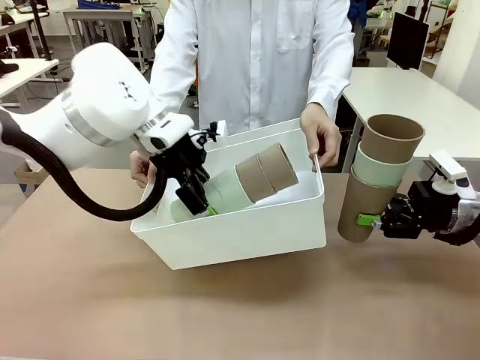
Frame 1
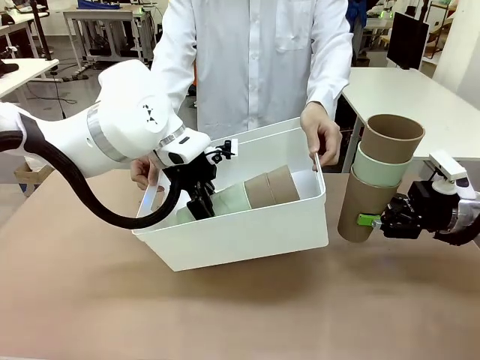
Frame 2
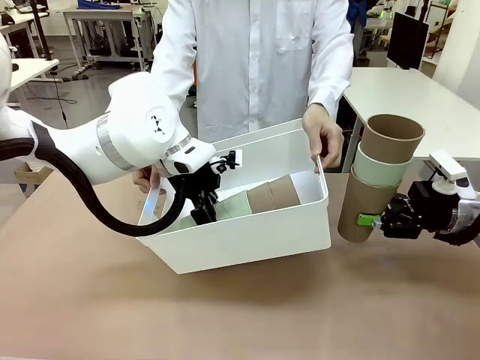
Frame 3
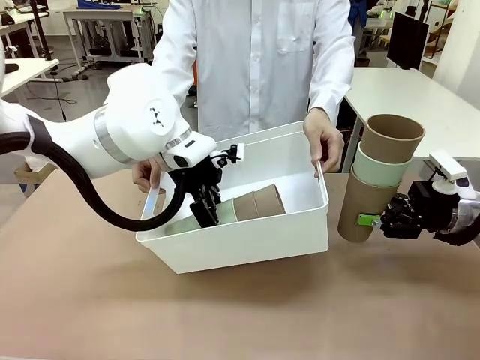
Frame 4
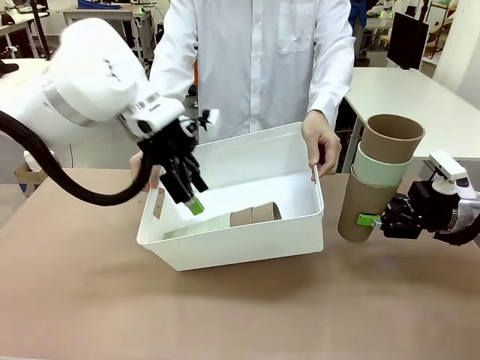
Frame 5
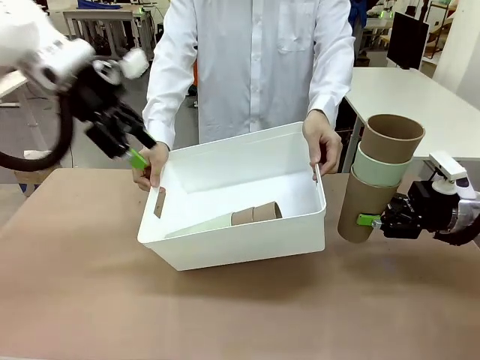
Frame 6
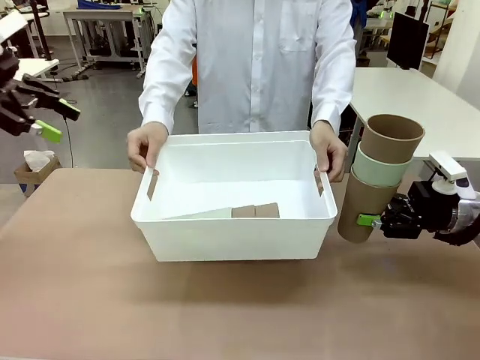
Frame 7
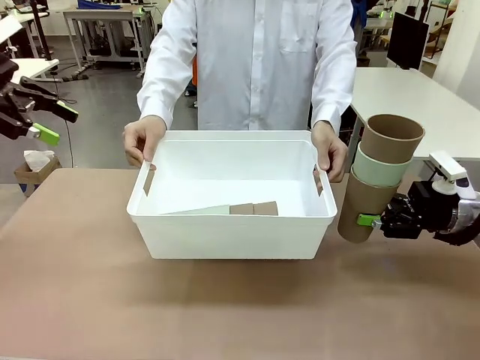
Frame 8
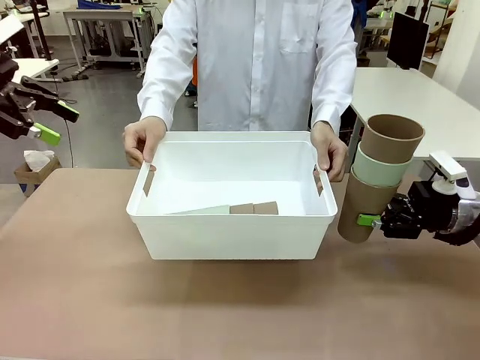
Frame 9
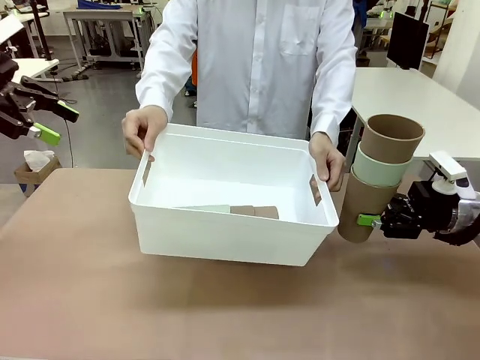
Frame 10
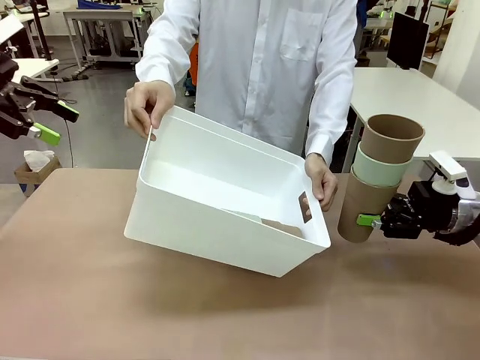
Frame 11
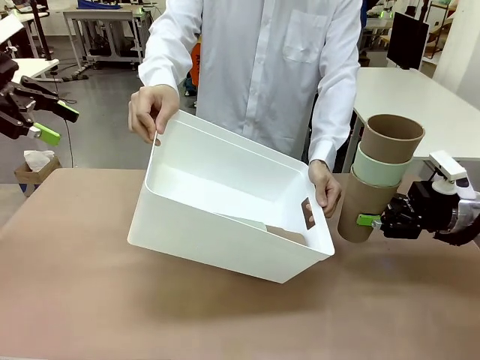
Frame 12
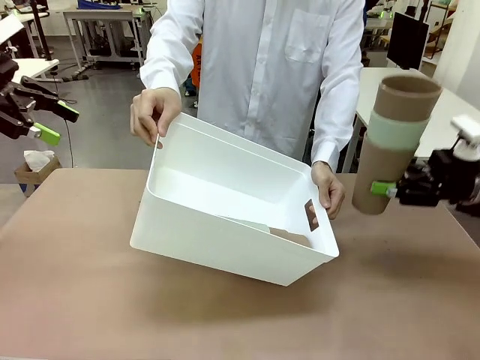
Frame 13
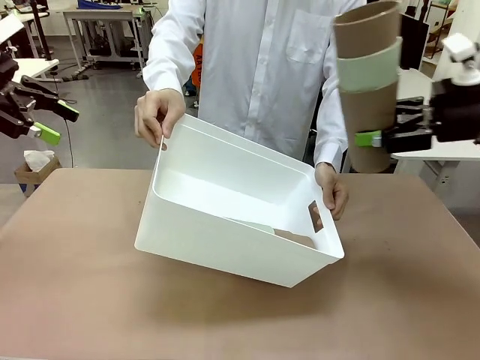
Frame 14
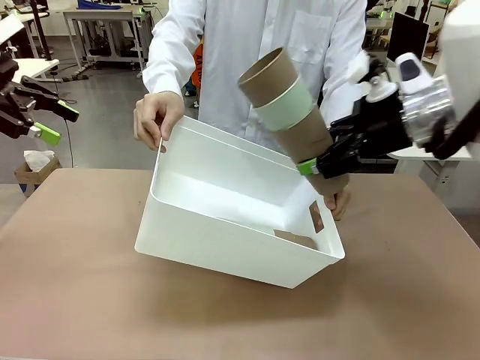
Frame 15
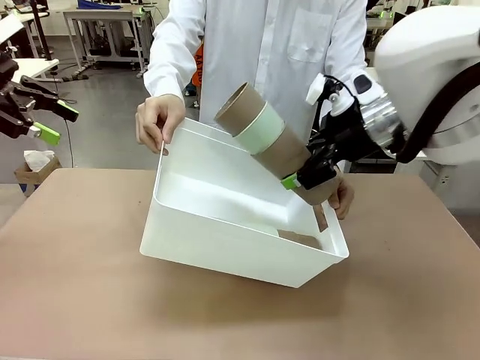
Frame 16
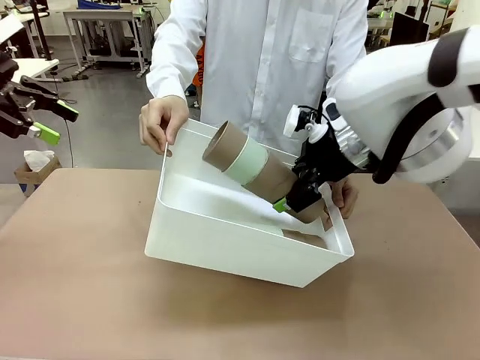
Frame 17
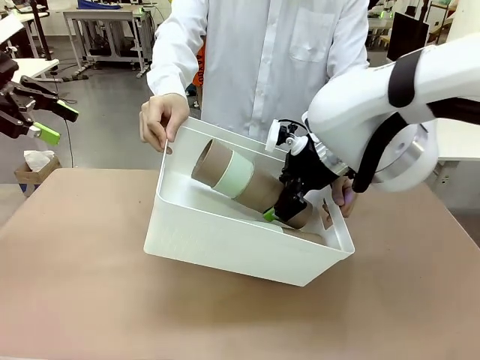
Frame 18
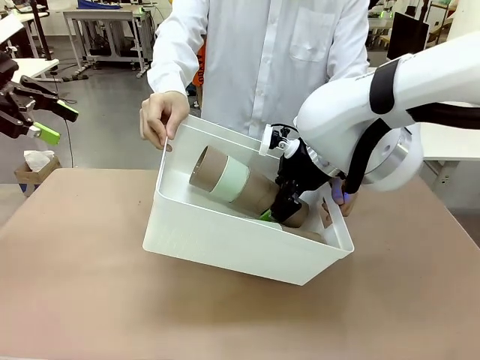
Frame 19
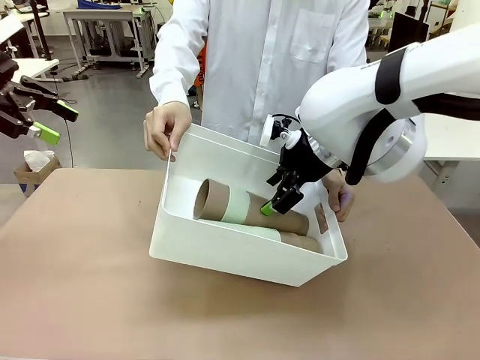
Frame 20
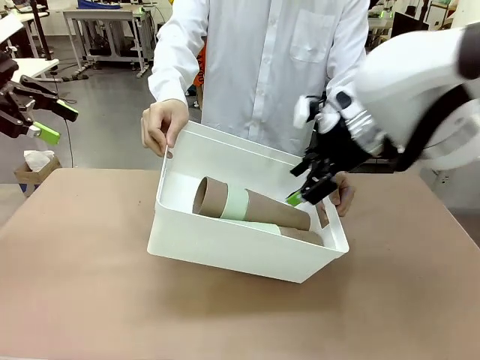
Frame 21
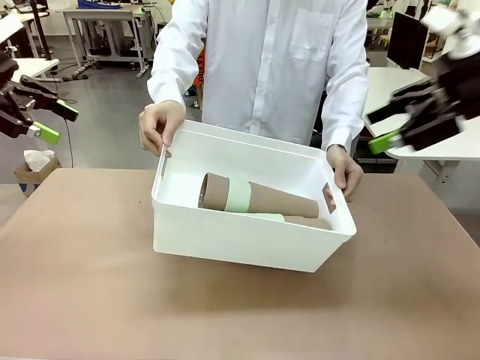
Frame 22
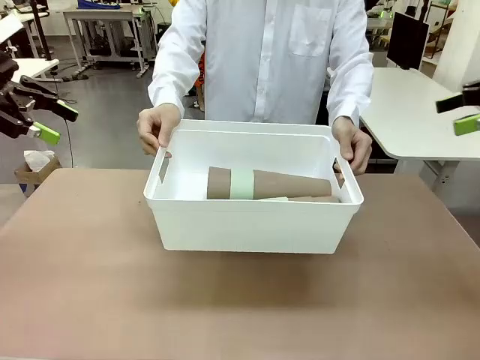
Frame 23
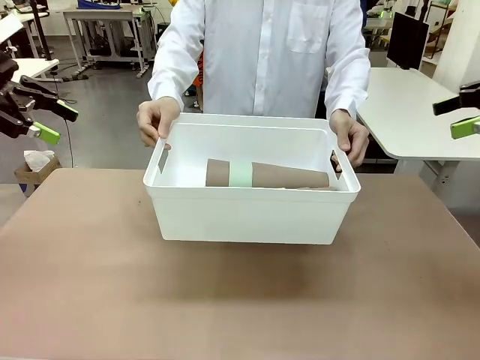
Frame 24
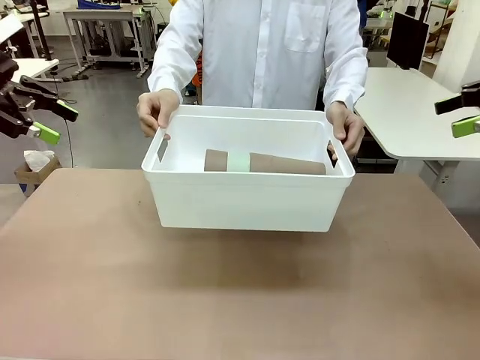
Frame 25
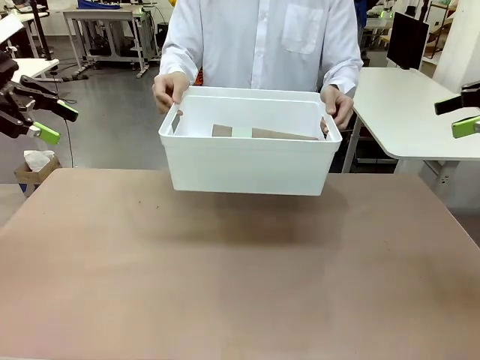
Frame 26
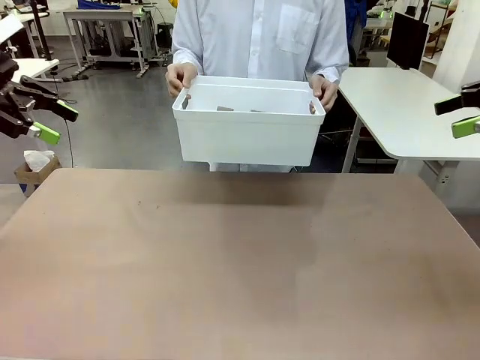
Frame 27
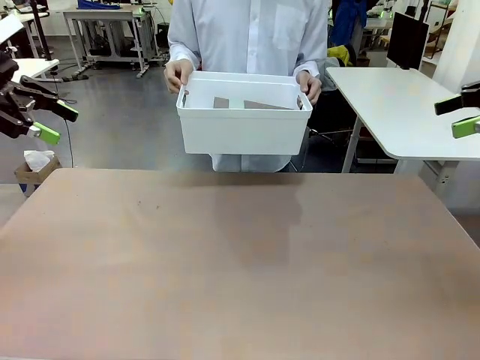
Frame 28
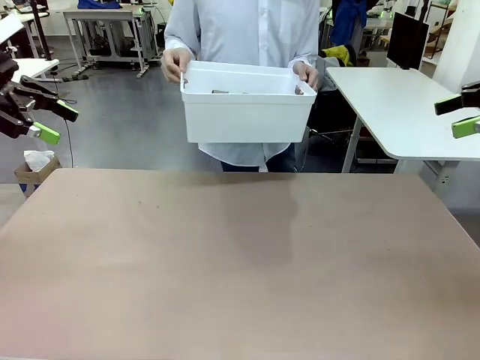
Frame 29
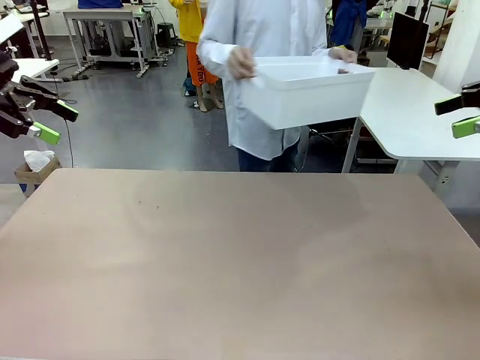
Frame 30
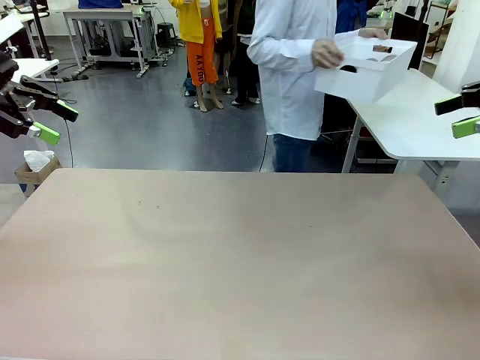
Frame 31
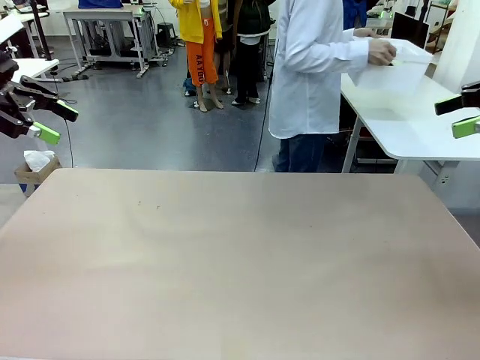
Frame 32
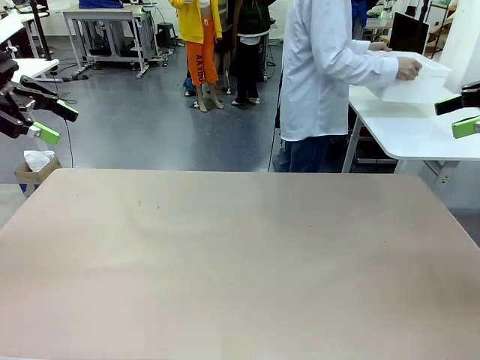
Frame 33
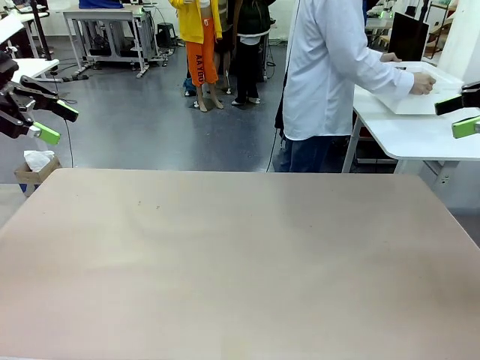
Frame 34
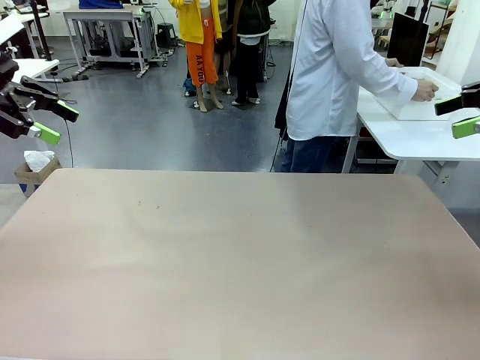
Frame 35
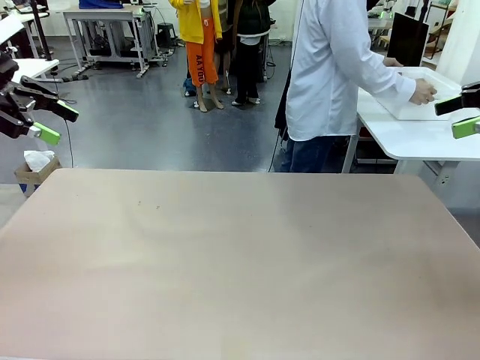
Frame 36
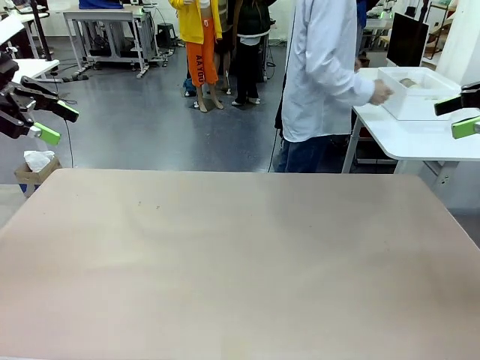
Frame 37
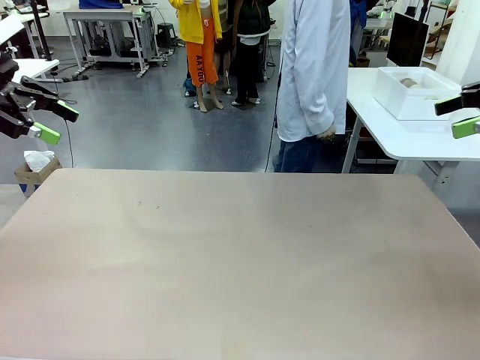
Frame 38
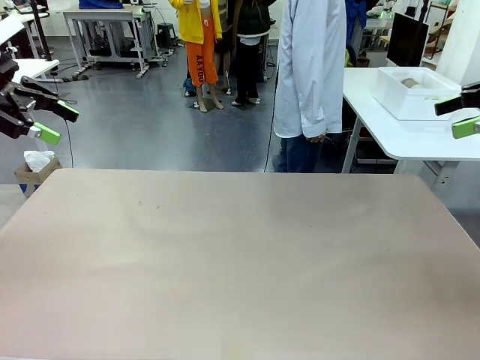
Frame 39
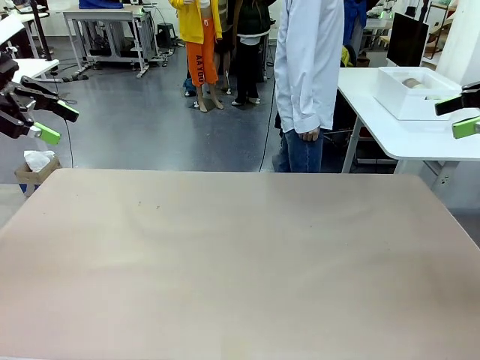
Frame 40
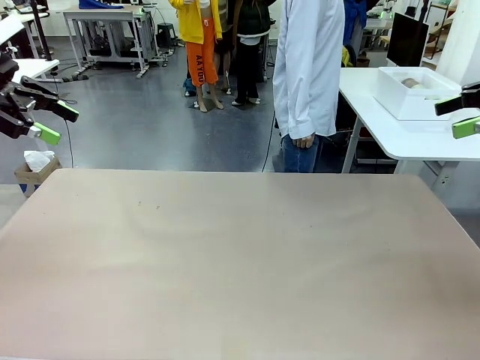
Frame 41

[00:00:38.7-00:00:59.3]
Task: Stack the cups and store them in the basket.
Robot: Place the stack of Reusable plastic cups into the Pantry Basket.
Person: Place the basket containing the cups in the middle of the Human Table.
